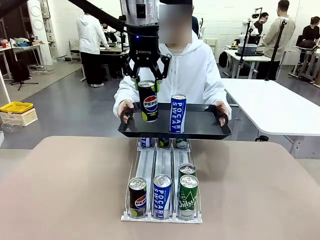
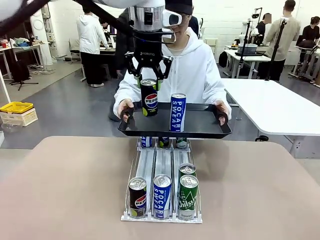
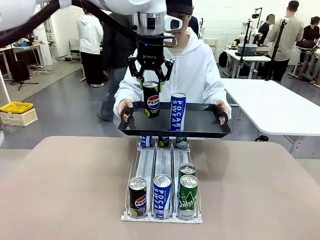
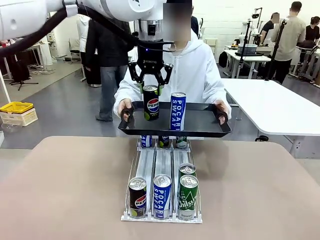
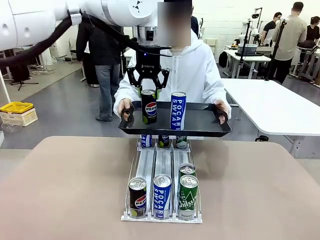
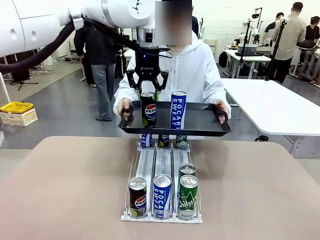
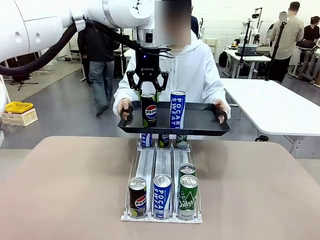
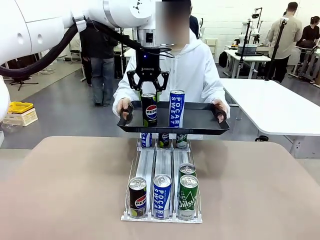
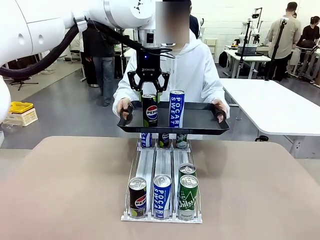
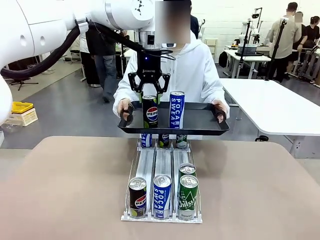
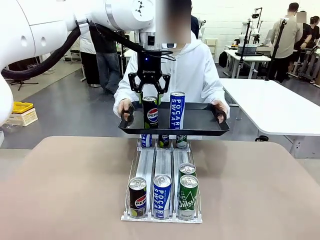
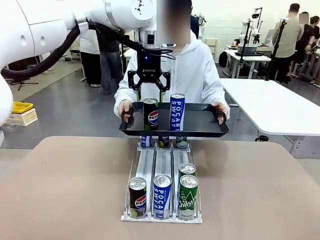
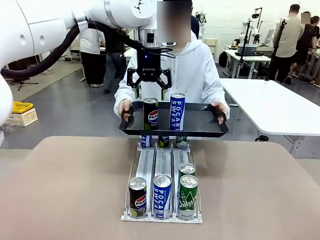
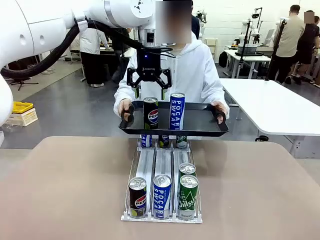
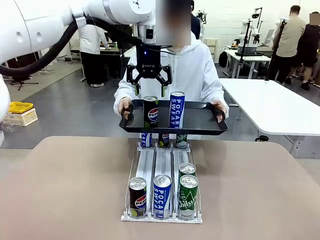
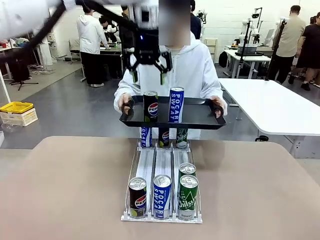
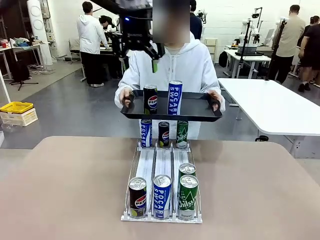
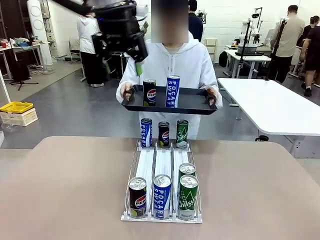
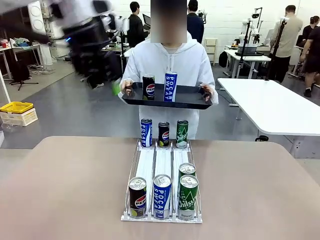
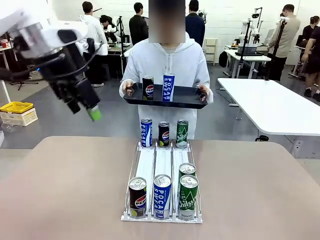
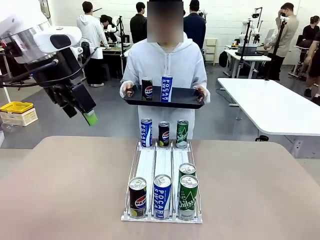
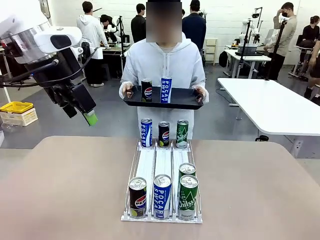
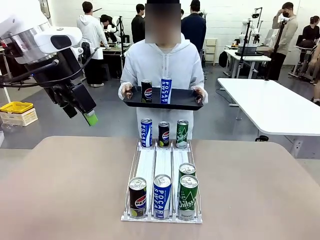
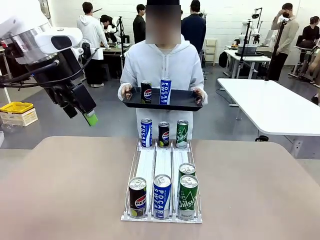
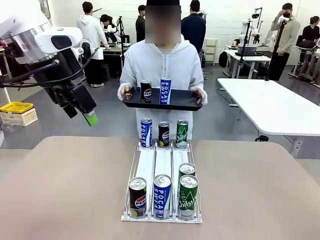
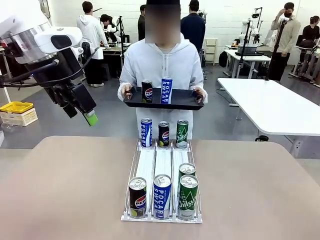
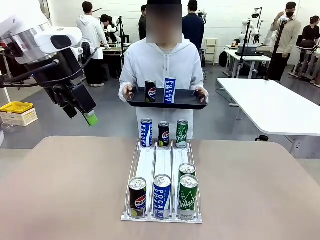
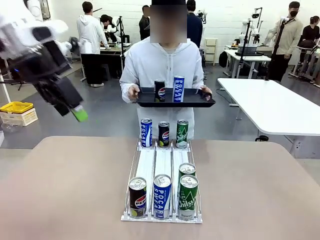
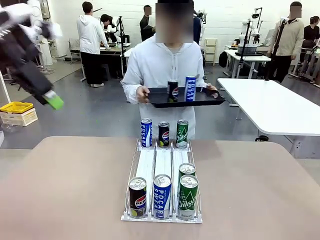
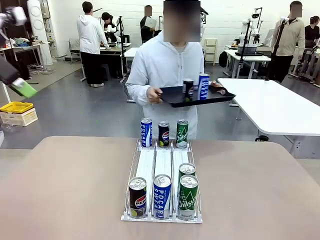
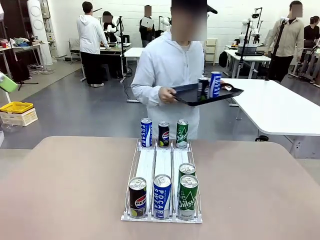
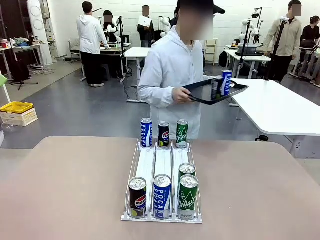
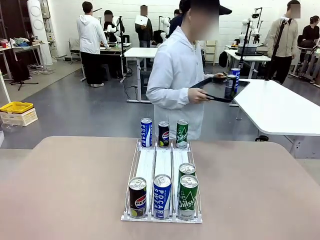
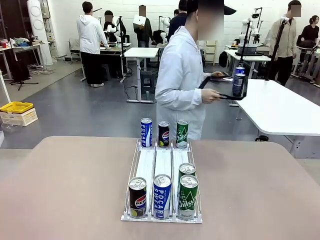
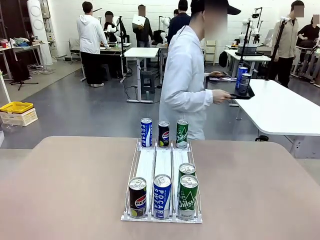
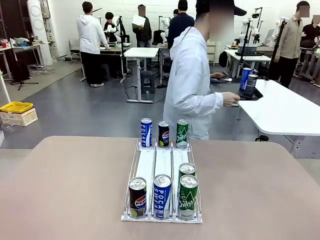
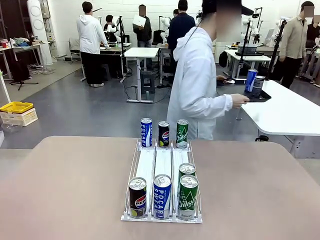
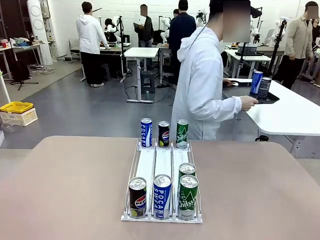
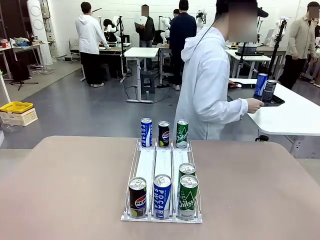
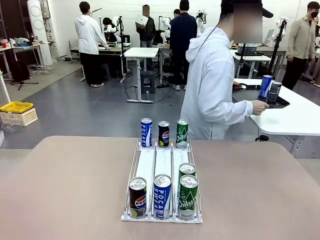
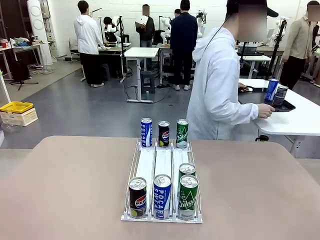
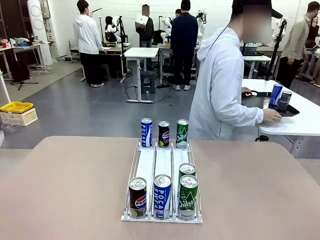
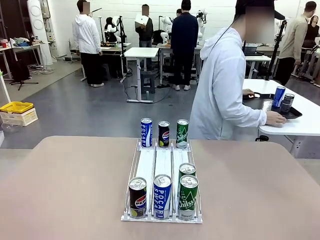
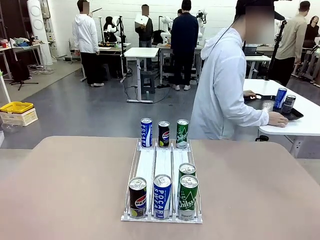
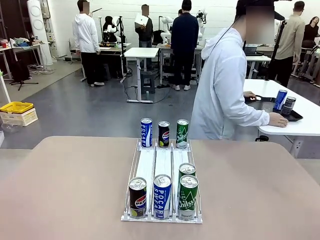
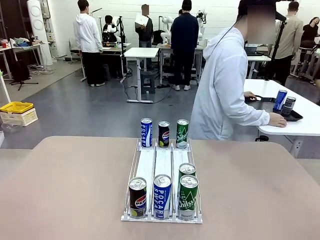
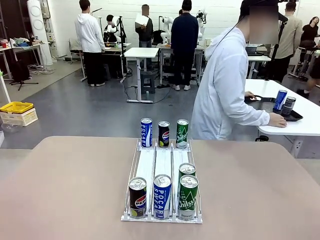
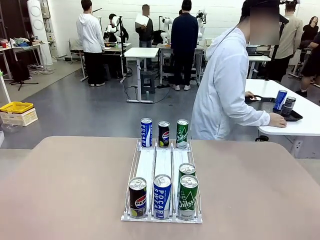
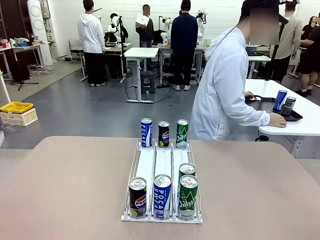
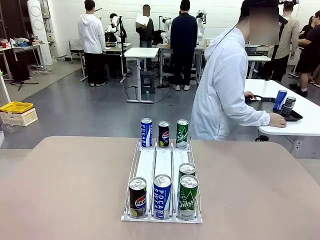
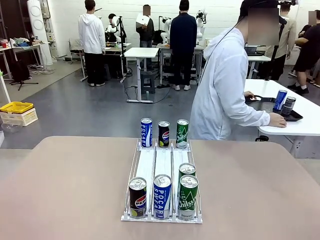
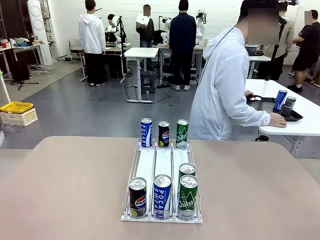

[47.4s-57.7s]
Task: Retrieve and hand over the desired beverage to the person.
Robot: Place the picked can on the Handle tray extended by the person.
Person: Pull the tray back and place it at the center of the human table.

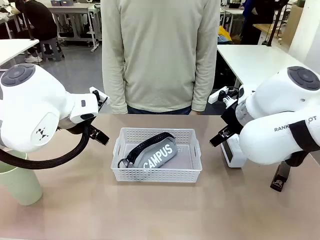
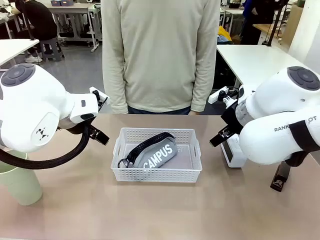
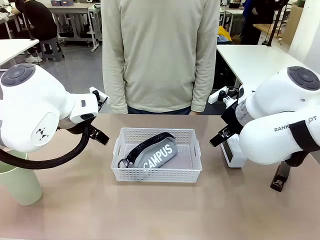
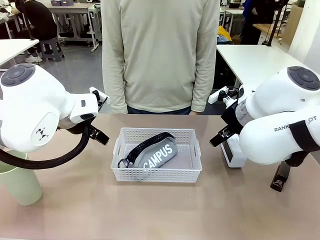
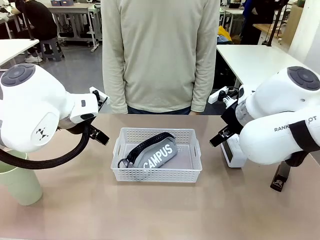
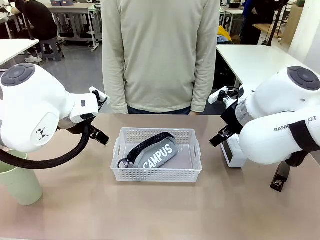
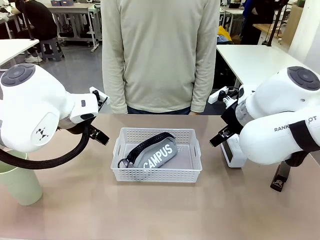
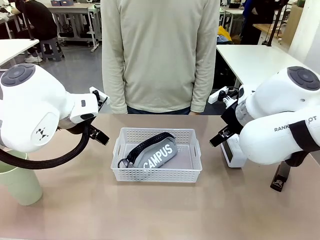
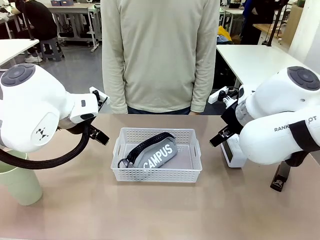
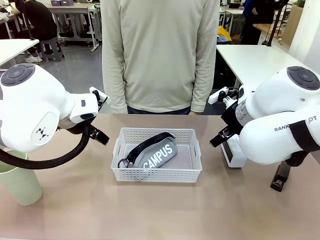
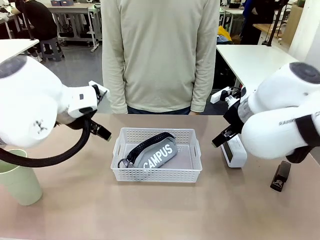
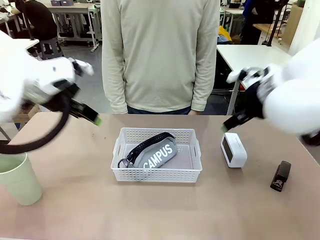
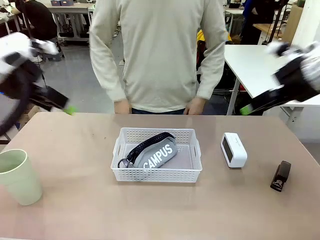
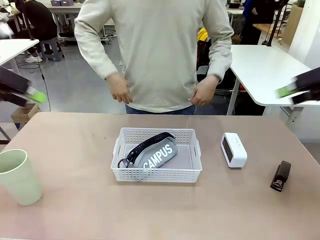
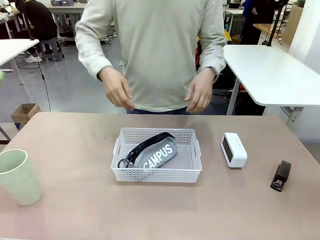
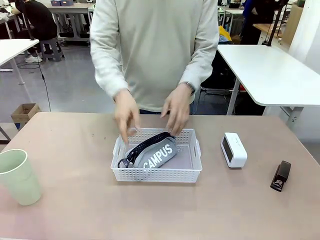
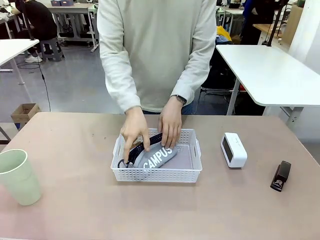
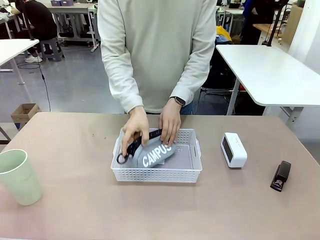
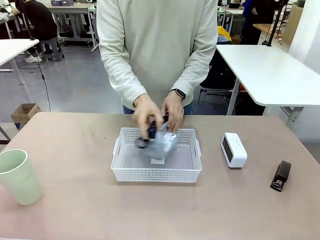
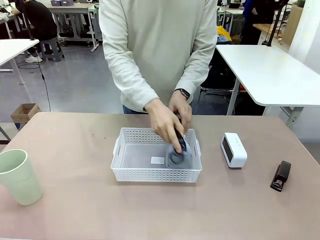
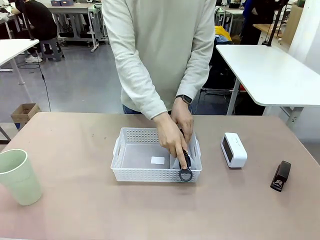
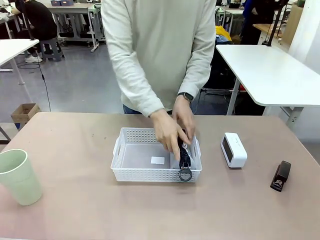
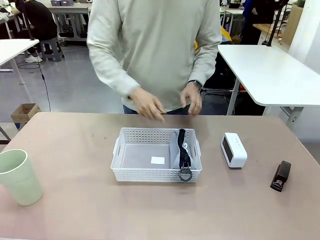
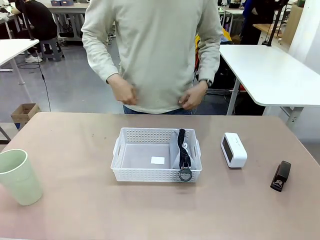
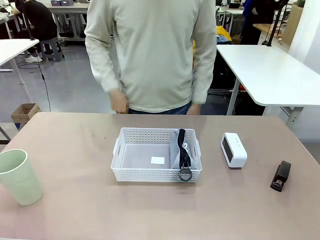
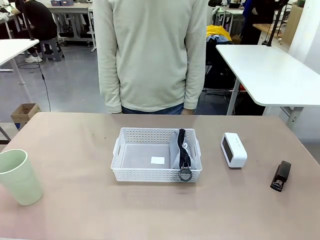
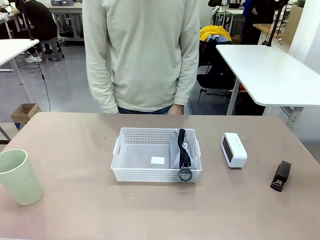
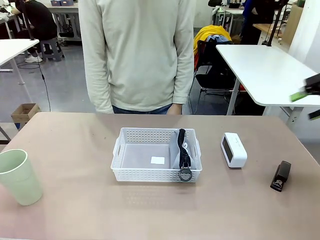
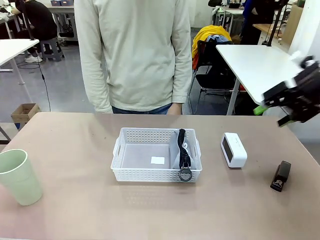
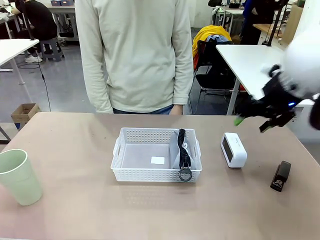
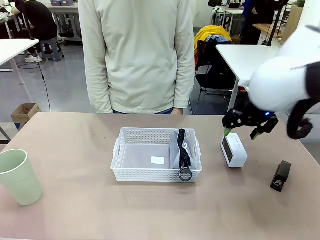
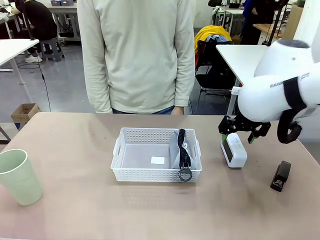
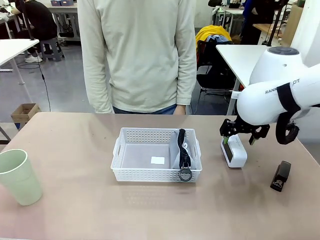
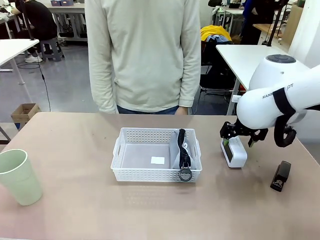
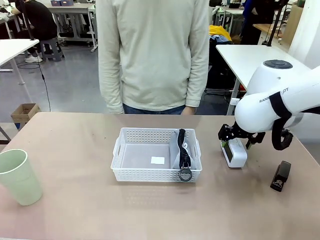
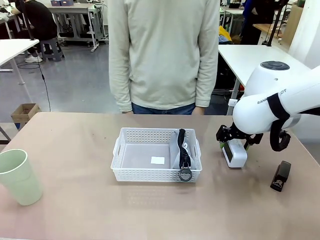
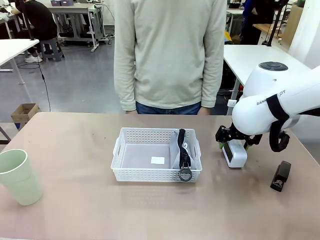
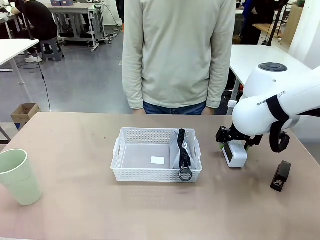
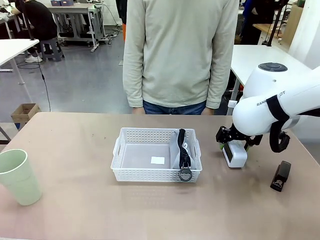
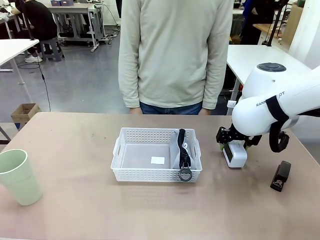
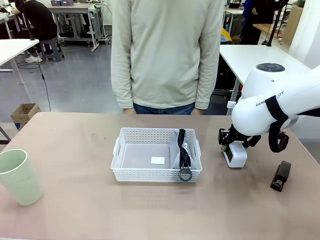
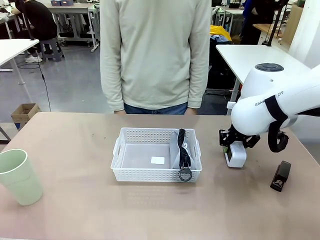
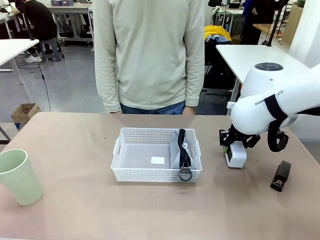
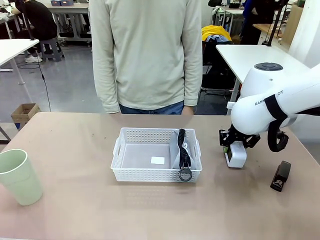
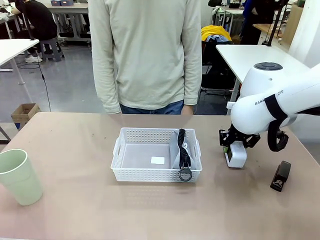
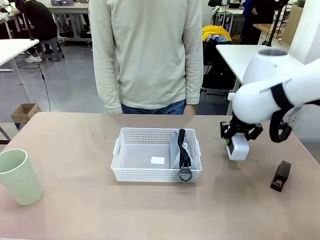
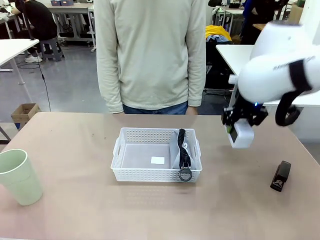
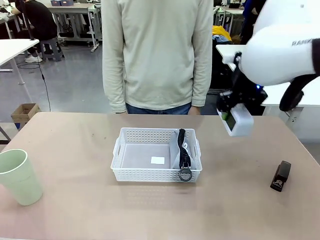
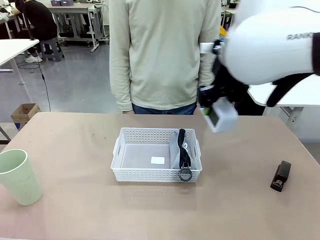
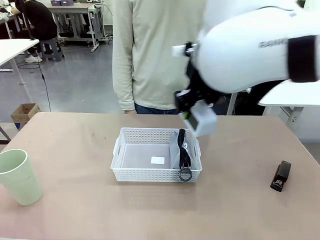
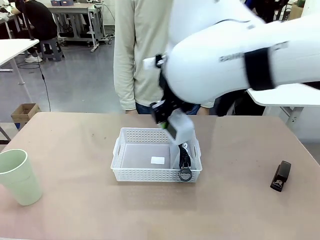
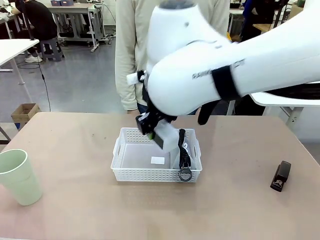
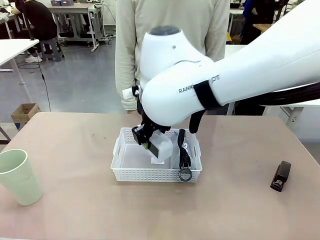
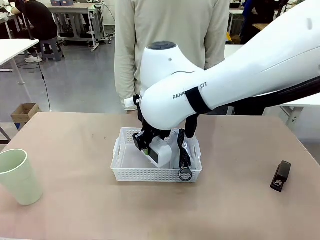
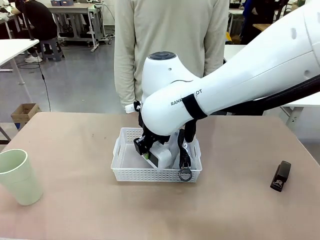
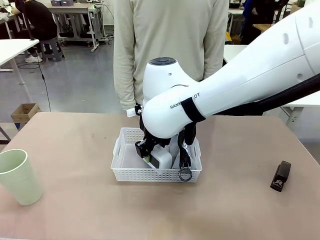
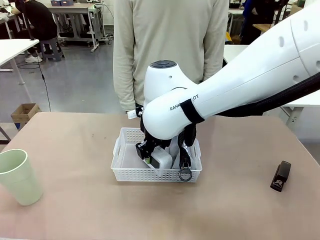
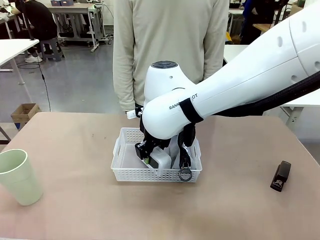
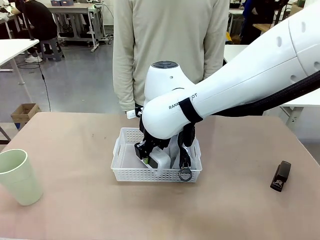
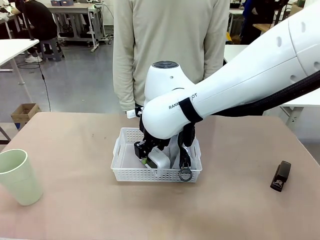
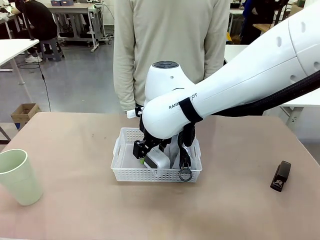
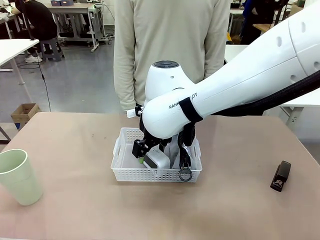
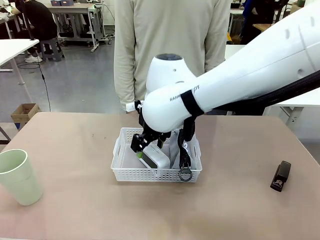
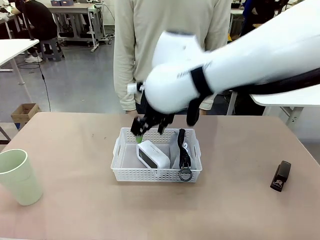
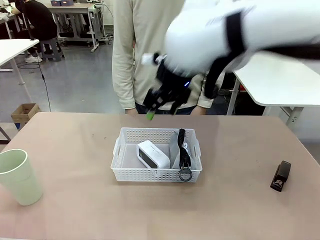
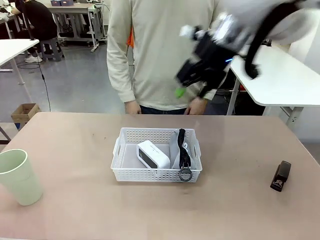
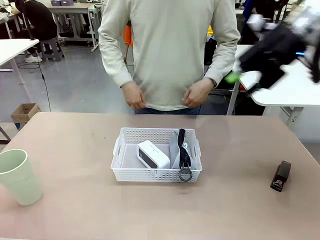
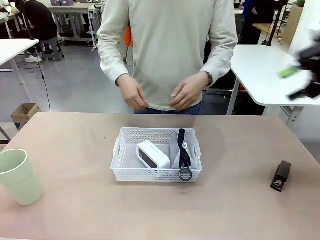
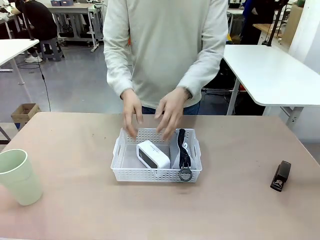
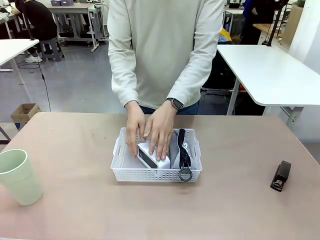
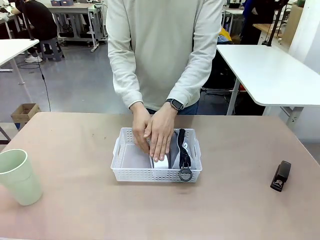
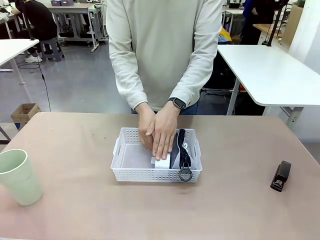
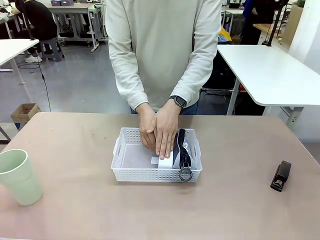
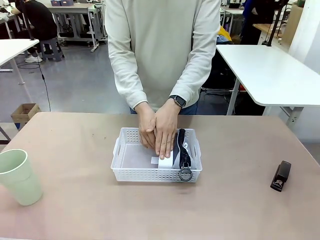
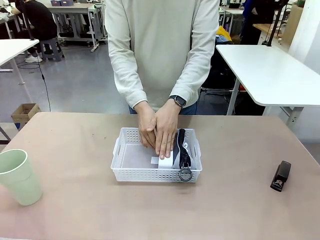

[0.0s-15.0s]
Task: Efficiently arrange items inside the basket to fit them all.
Robot: Pick up the Digital clock and place it inside the Organizing basket.
Person: Repositions the pencil case. Repositions the digital clock.
